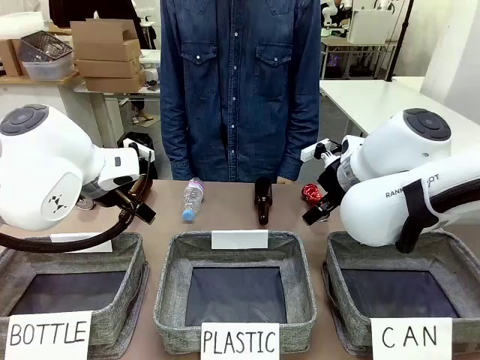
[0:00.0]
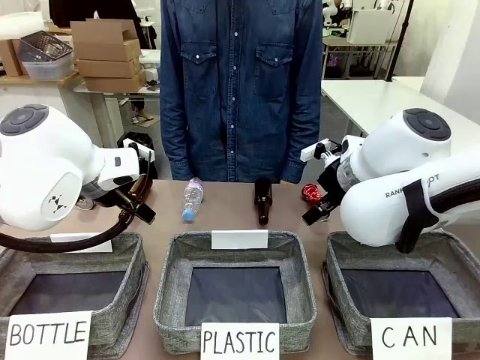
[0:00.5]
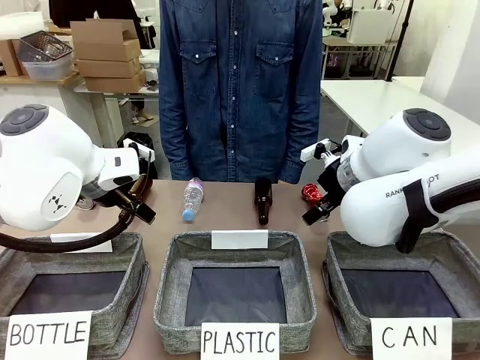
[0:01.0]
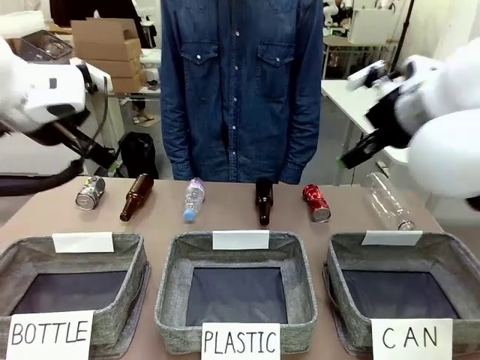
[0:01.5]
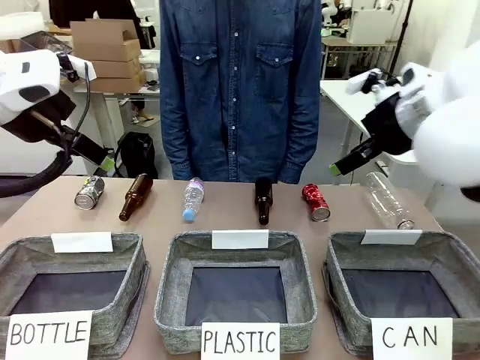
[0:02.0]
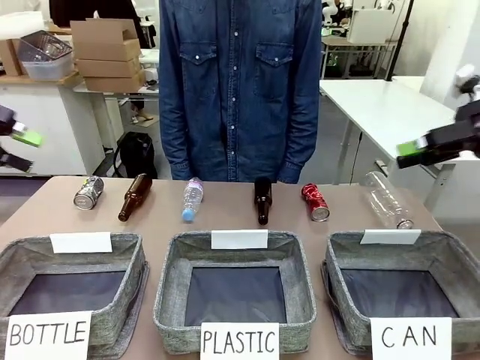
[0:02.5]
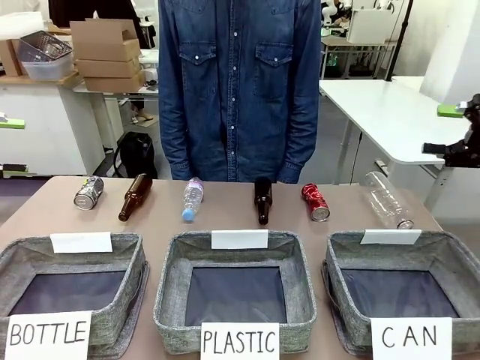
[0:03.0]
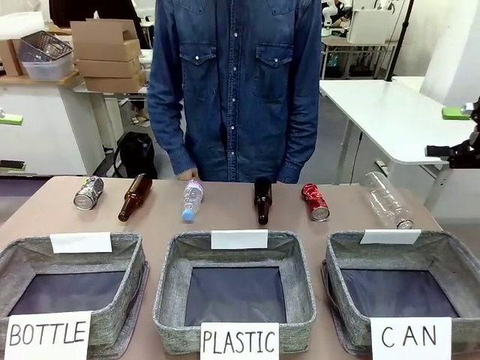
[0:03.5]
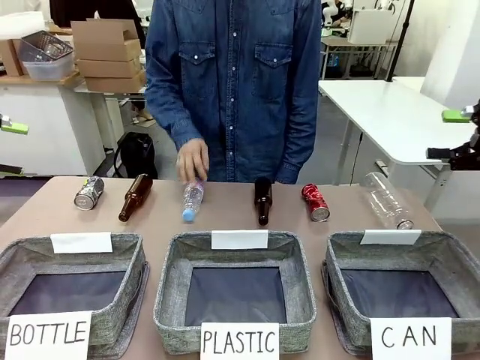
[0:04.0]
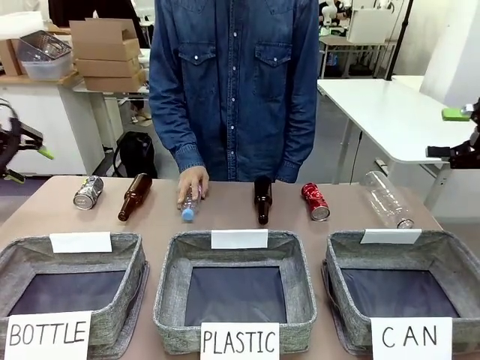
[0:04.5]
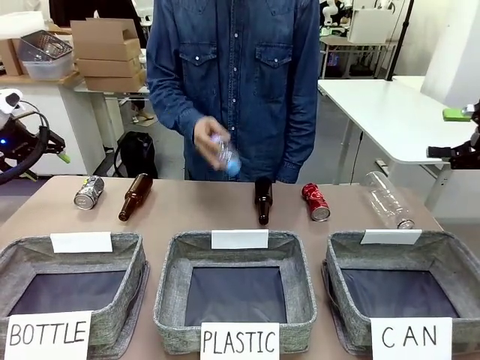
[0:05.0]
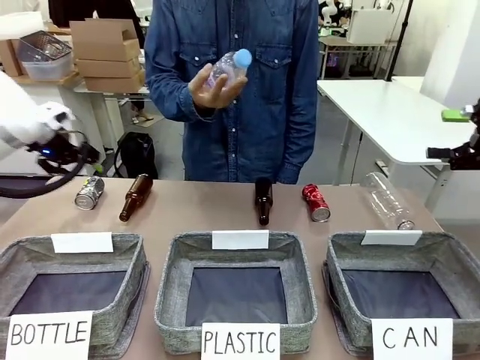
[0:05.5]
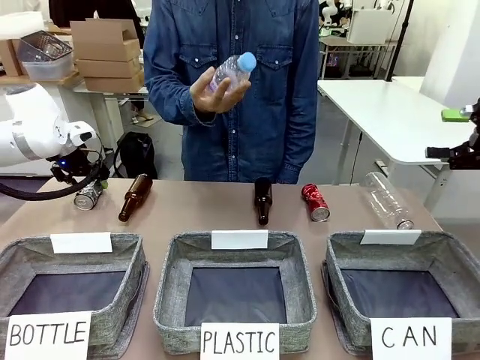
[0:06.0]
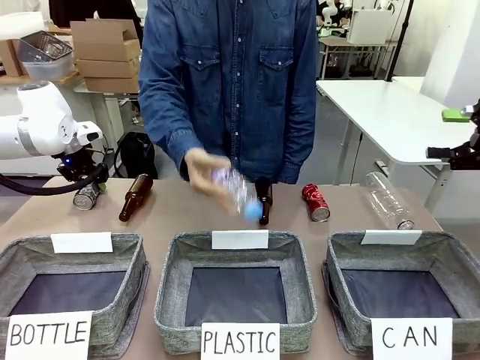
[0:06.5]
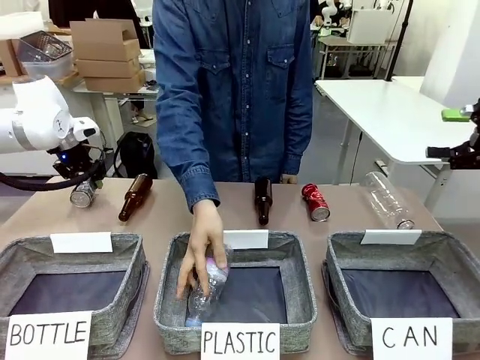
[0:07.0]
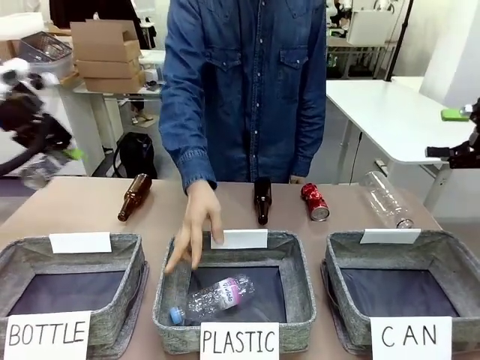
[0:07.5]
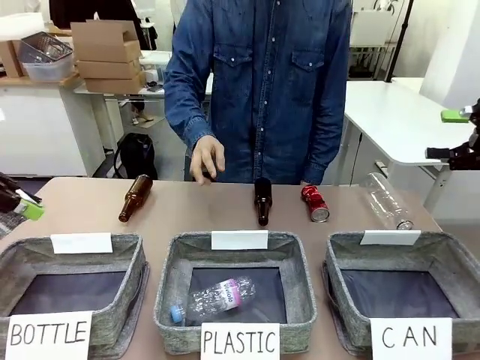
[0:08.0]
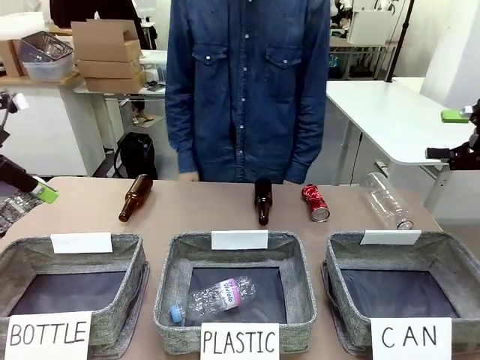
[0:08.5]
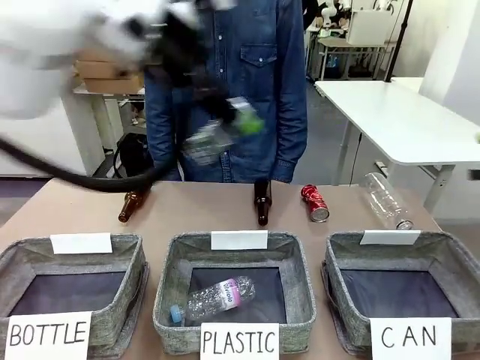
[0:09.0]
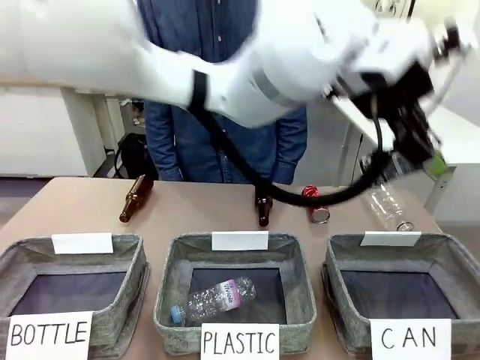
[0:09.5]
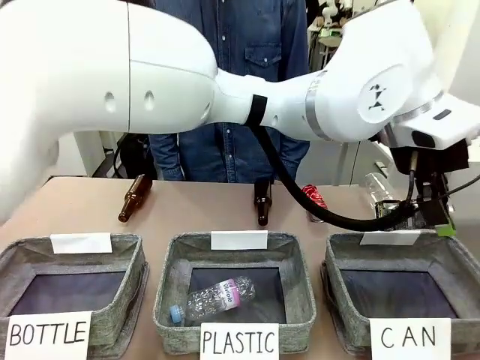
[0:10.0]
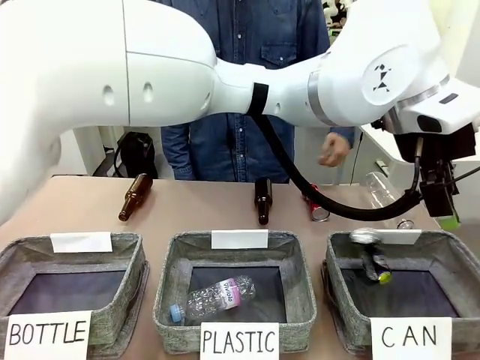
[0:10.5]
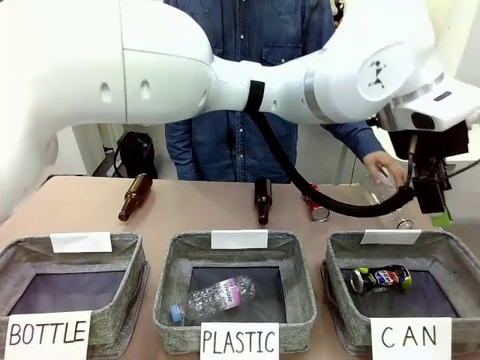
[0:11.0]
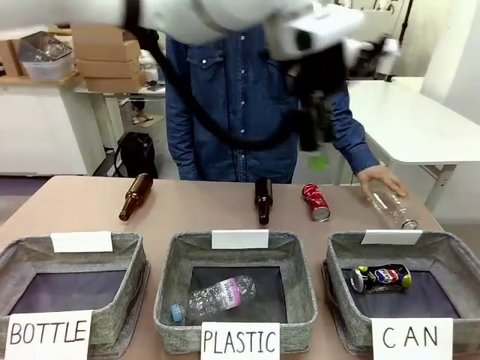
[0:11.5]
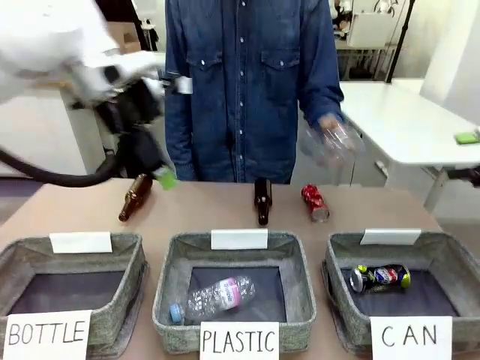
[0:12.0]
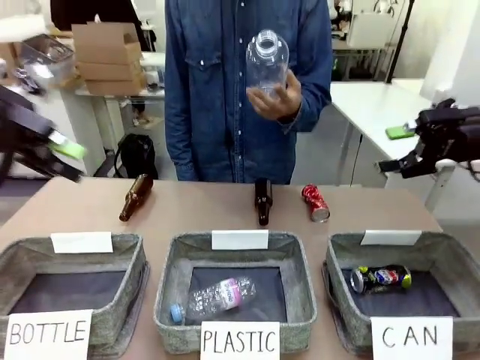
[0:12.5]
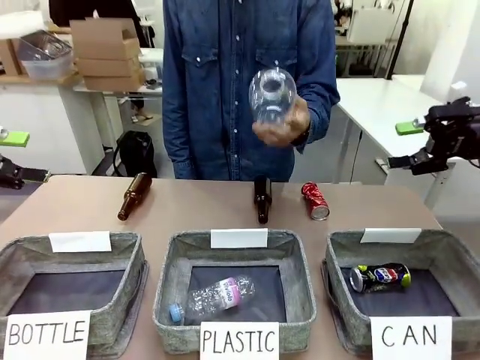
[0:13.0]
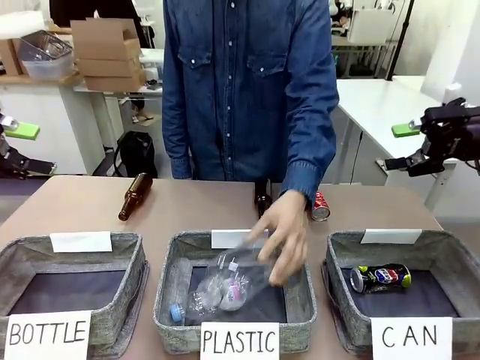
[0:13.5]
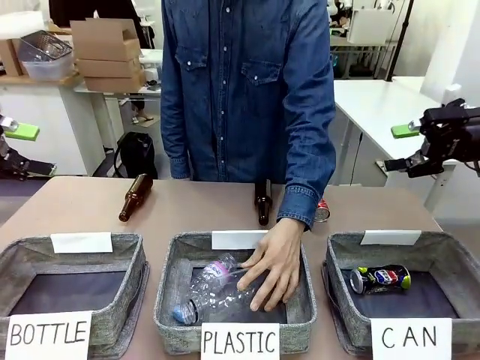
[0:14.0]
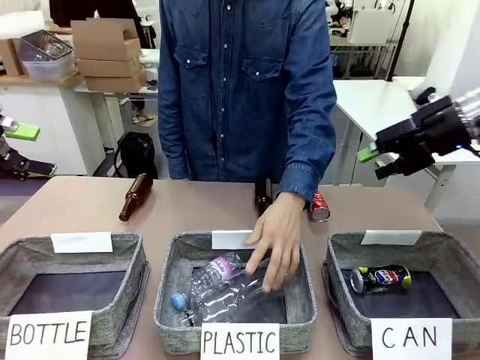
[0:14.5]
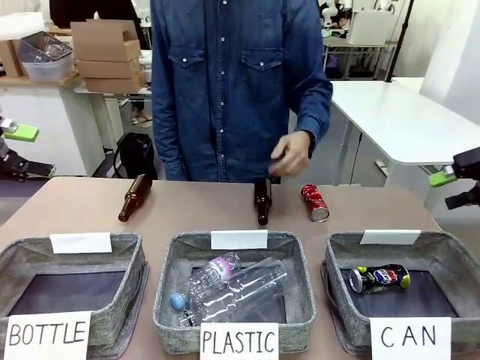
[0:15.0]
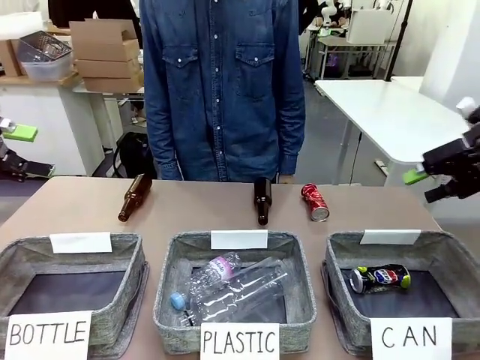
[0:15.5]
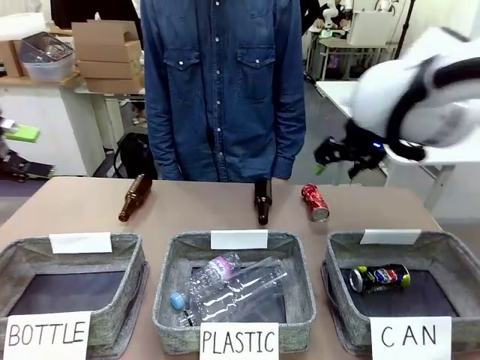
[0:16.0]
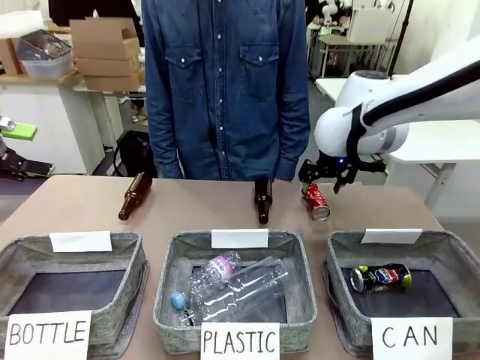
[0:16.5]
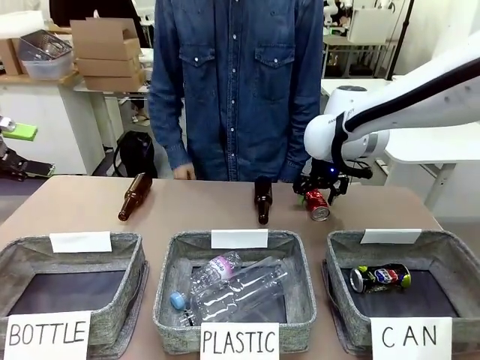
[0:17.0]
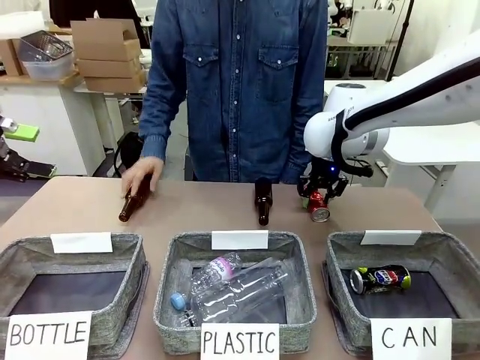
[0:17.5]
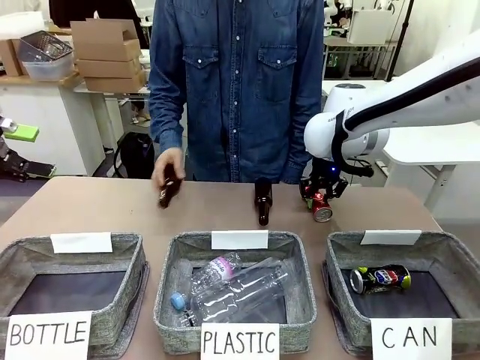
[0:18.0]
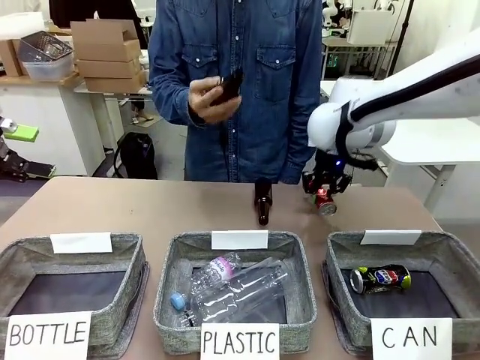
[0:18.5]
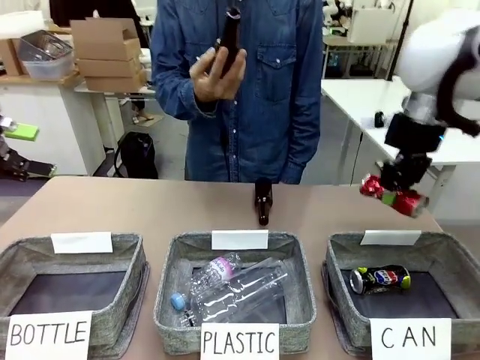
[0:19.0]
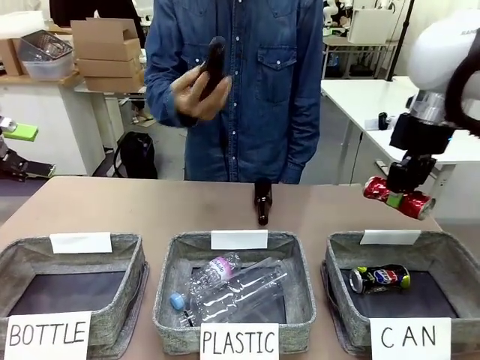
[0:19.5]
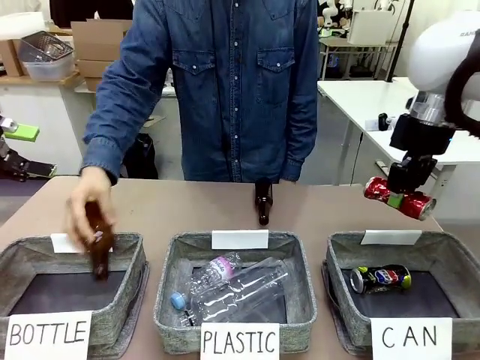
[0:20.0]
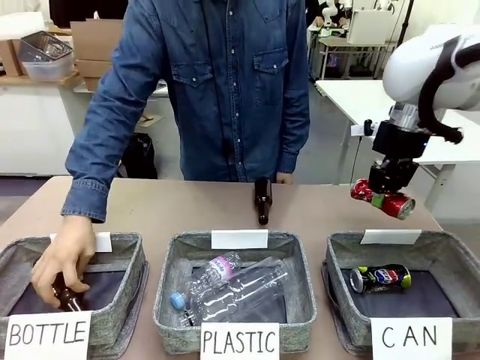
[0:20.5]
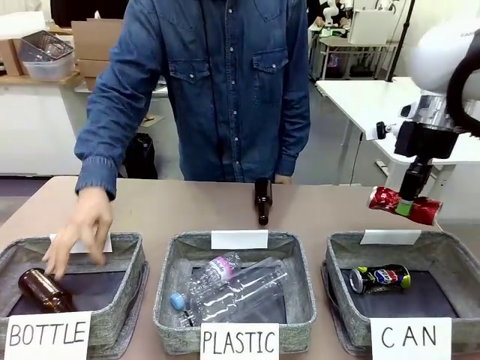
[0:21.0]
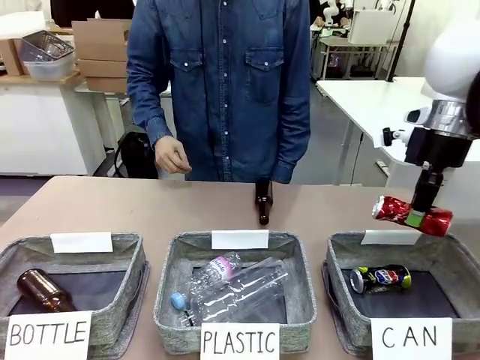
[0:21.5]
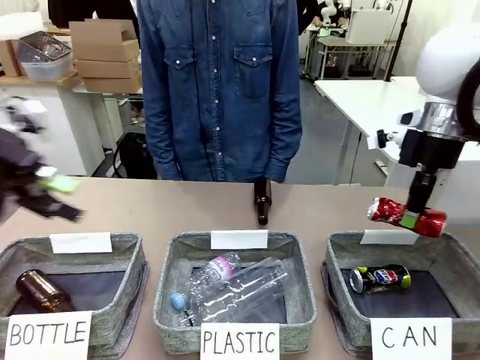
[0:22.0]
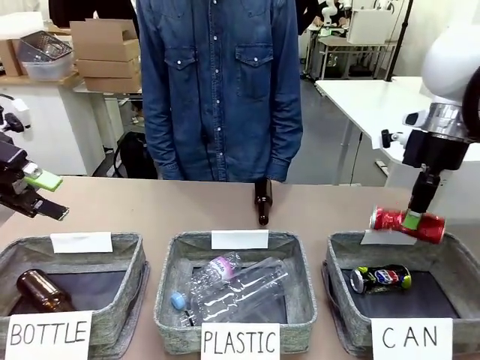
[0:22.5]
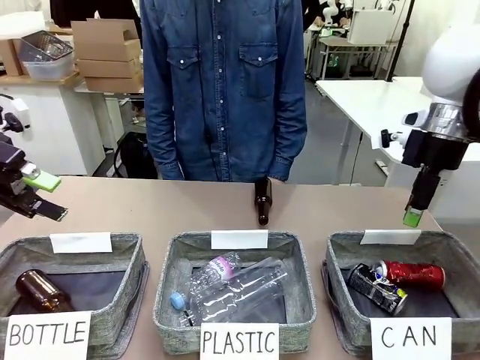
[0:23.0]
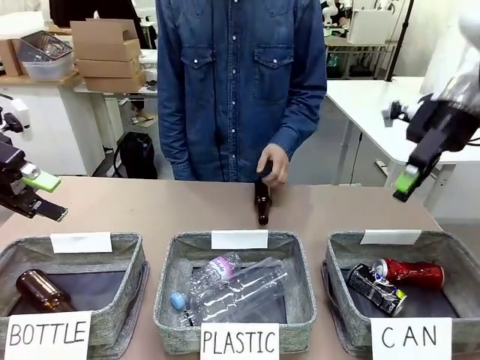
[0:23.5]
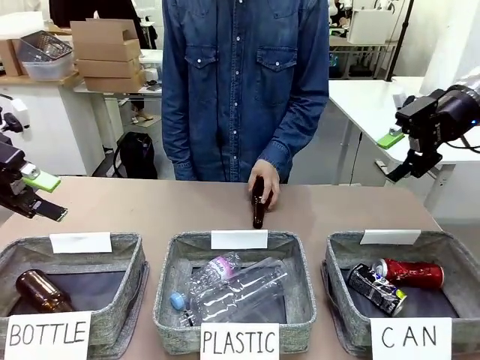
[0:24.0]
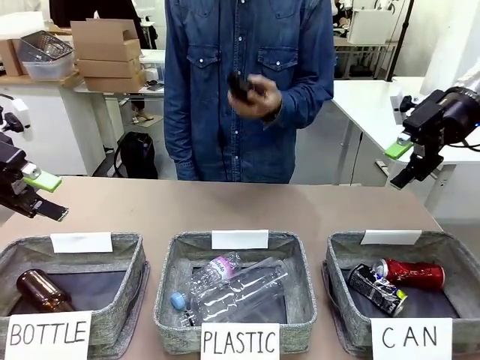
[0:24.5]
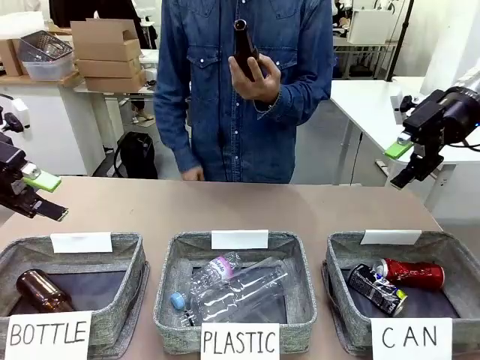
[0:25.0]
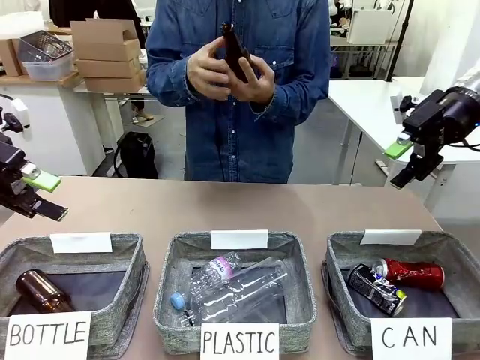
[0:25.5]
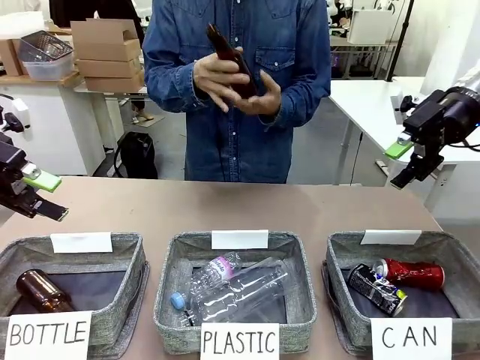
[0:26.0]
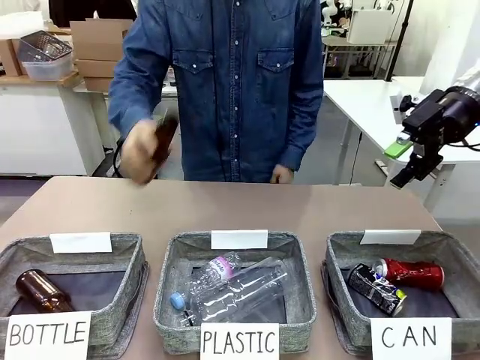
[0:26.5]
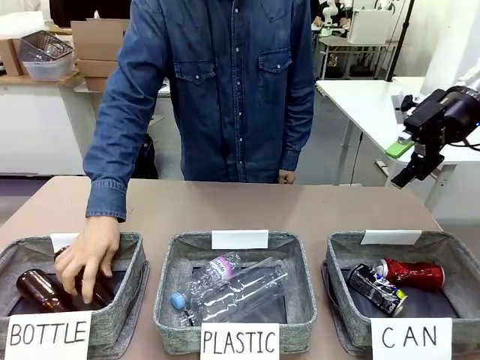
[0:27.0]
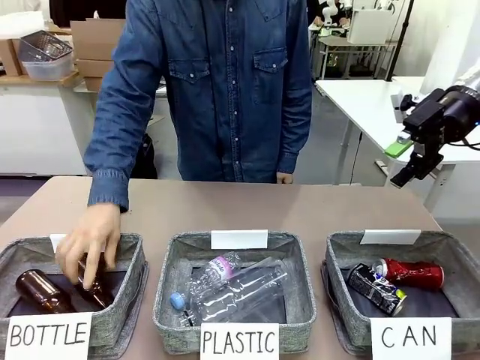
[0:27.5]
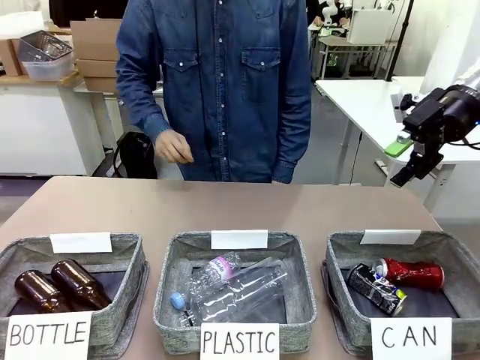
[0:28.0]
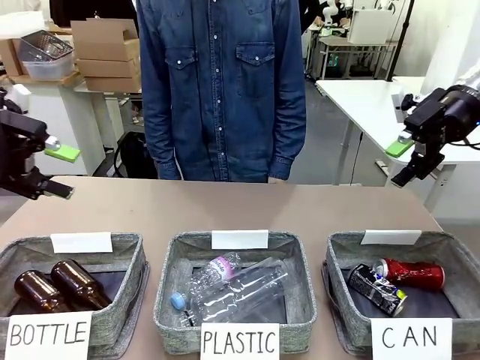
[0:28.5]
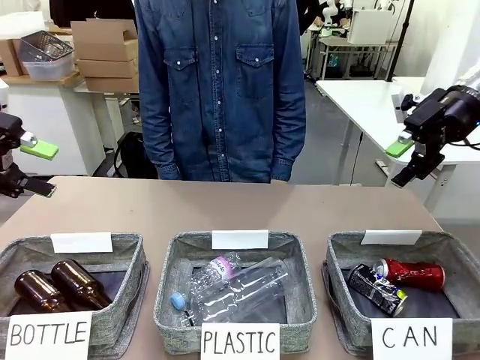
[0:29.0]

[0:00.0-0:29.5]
Task: Sort the can waste into the basket.
Robot: Pick up the can waste from the table and place it in the right Fabric basket.
Person: The human picks up one piece of trash that is not a can and places the trash into the appropriate organizing basket.
